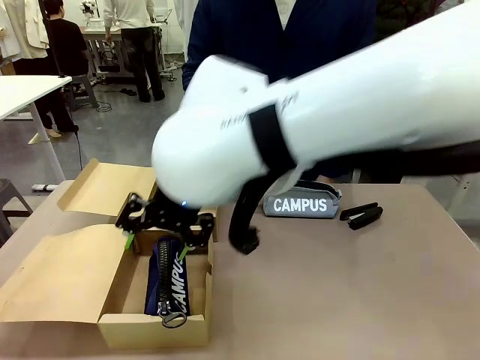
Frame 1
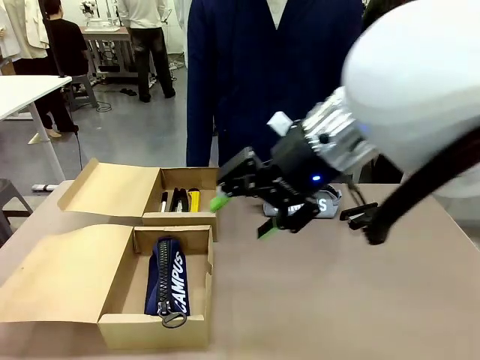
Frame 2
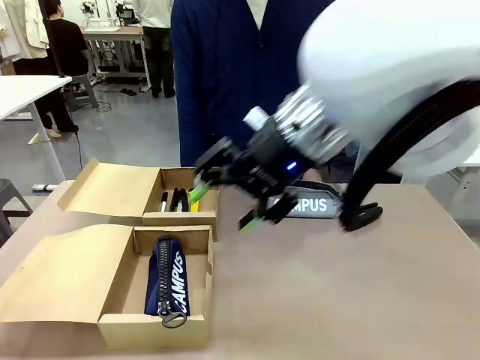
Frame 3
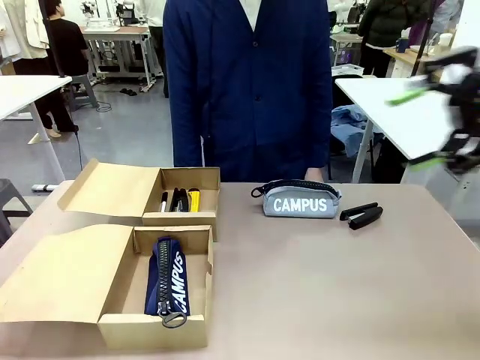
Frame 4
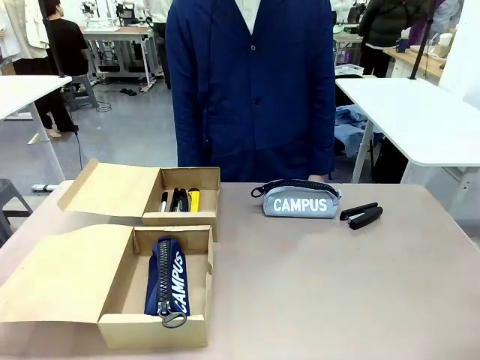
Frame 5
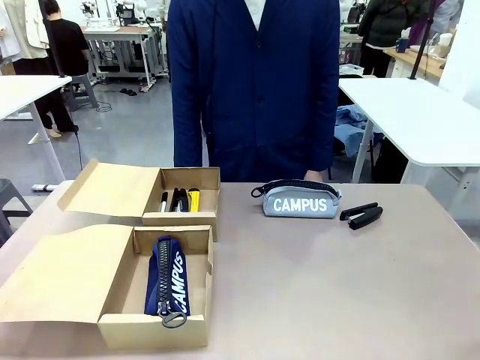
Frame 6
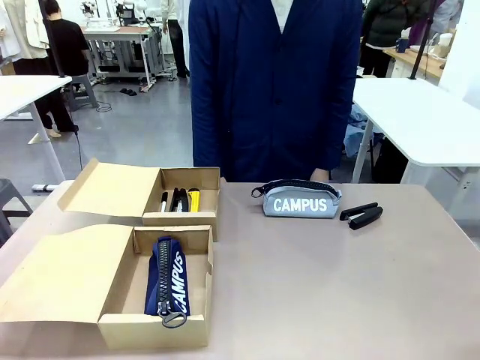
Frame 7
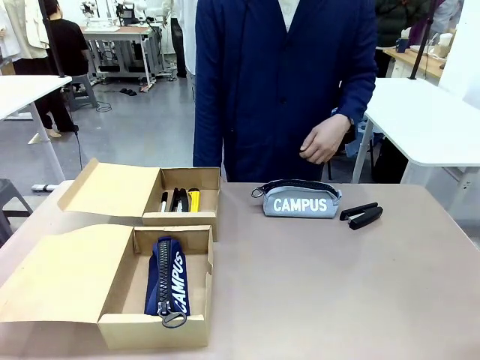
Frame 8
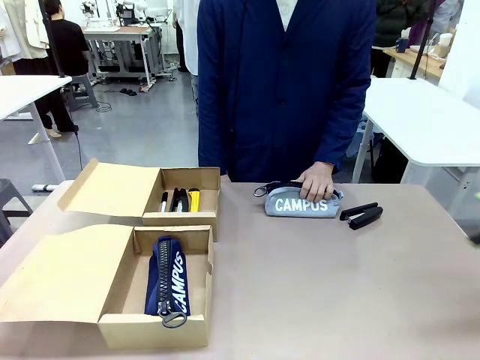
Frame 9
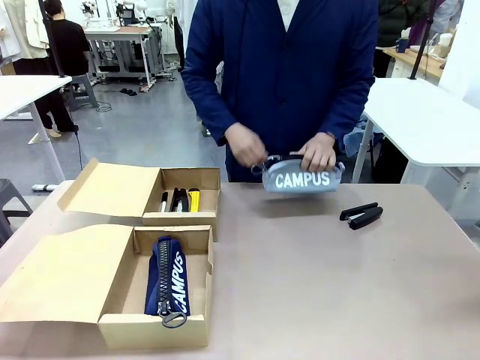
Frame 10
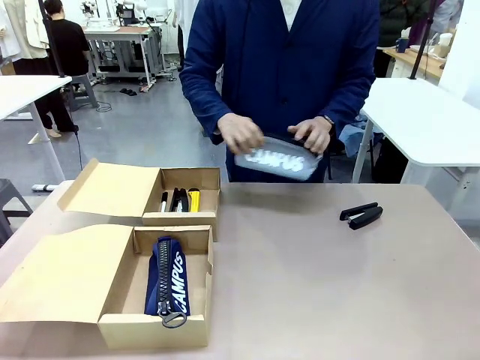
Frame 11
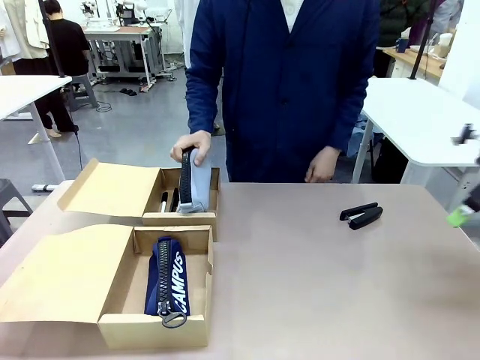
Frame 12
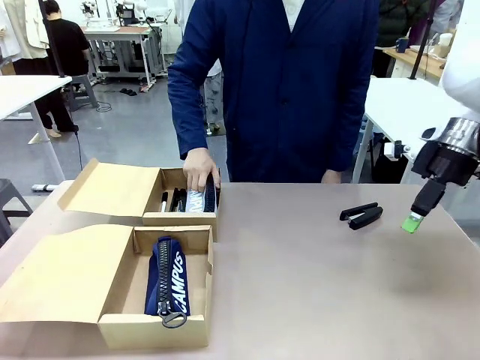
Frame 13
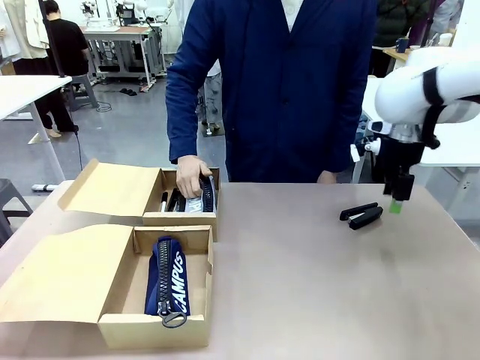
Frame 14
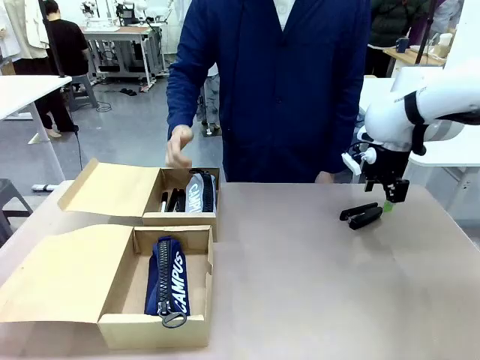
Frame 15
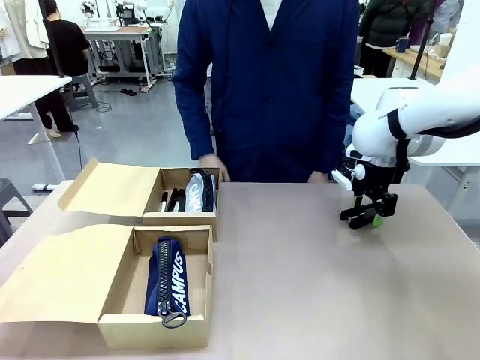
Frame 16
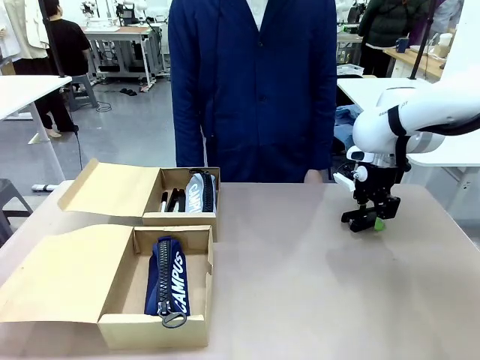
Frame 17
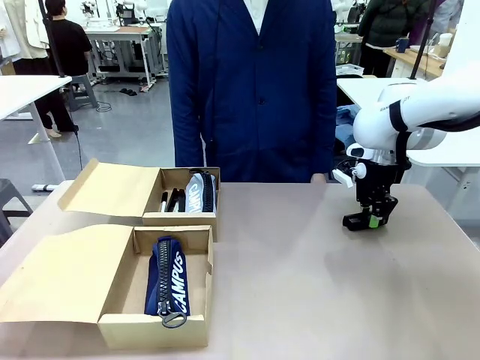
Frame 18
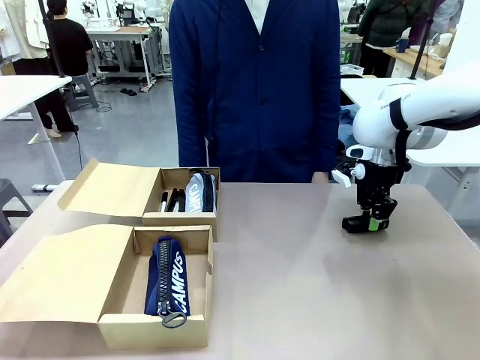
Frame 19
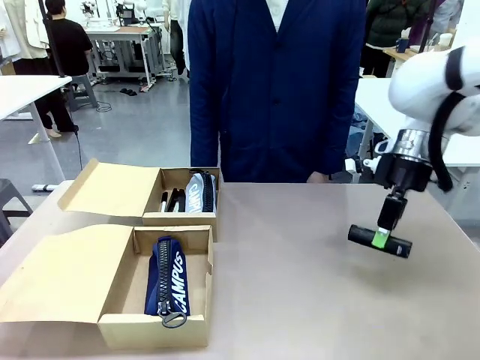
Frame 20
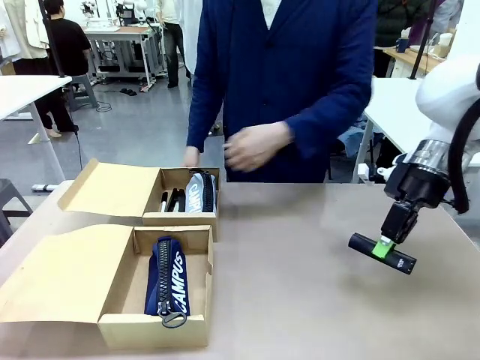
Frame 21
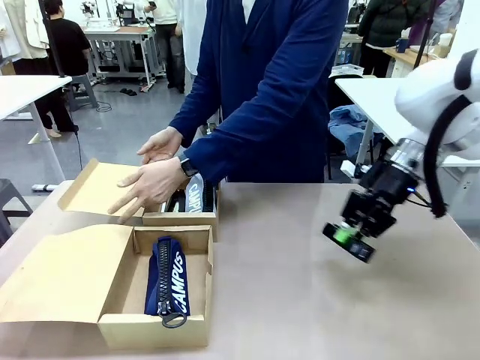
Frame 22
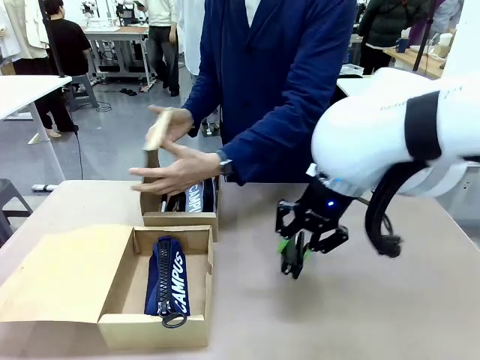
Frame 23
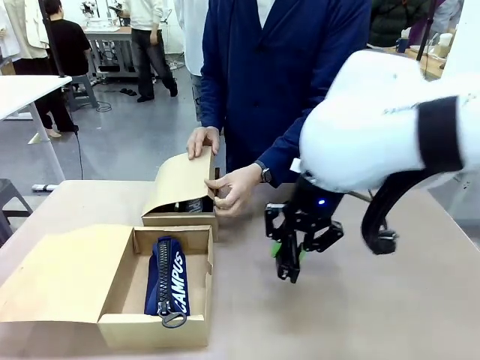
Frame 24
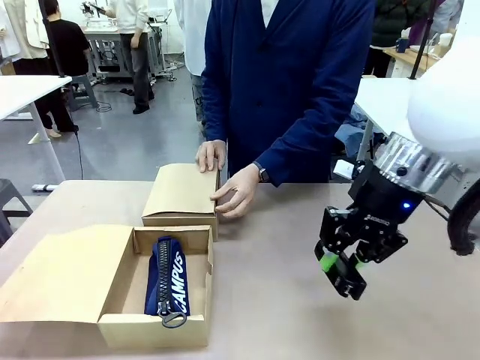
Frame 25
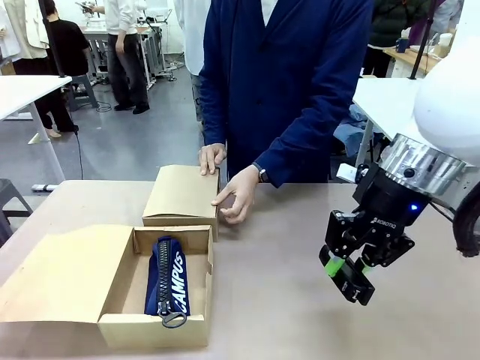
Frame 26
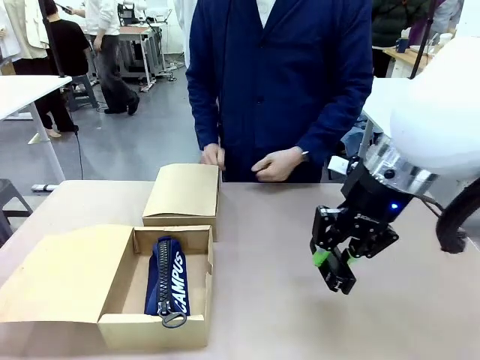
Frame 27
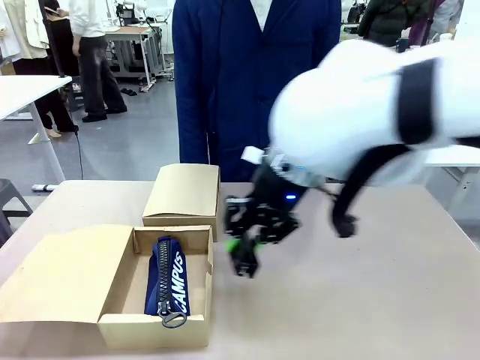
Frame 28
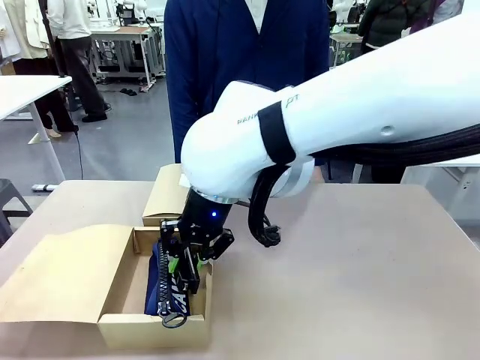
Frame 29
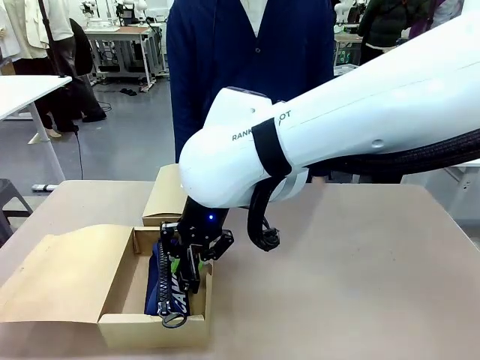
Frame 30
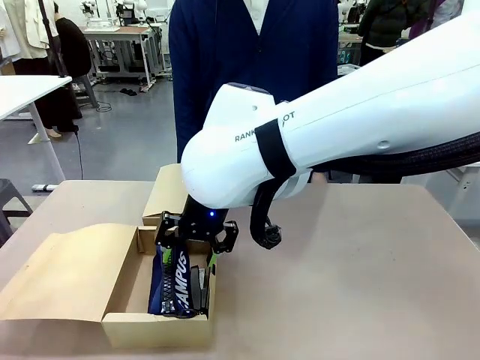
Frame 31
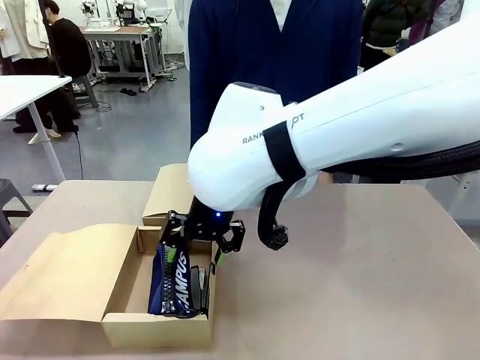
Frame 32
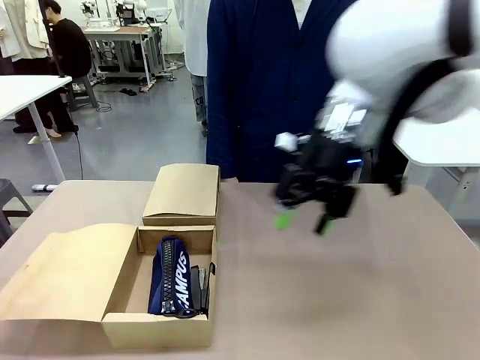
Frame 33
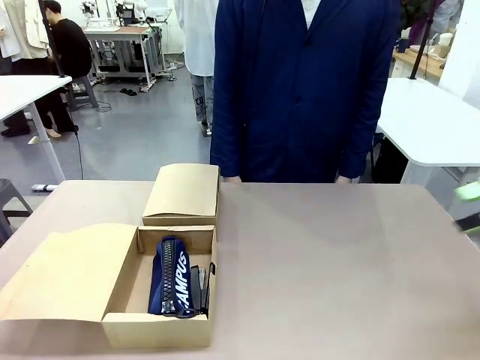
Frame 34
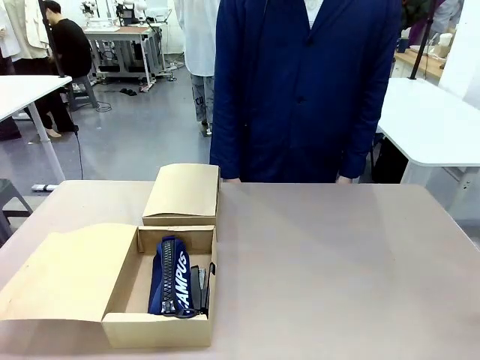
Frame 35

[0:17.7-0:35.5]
Task: Place items inside the box.
Robot: Pick up a Pencil pouch or Stapler and place it inside the Mailer Box closest to the robot.
Person: Close the lid of the box facing the person.

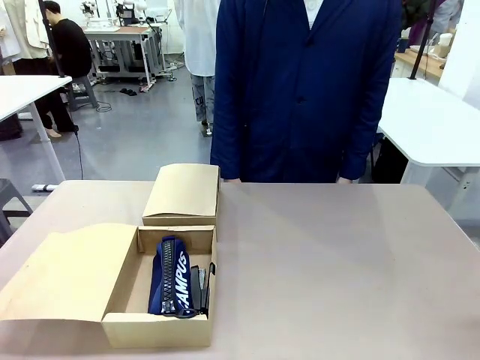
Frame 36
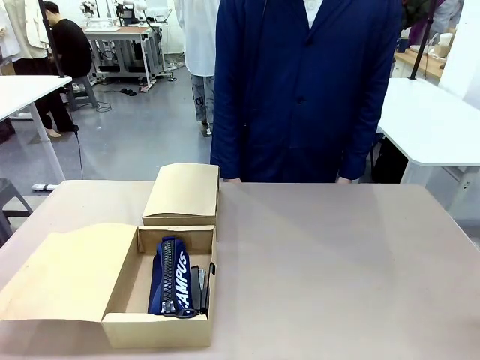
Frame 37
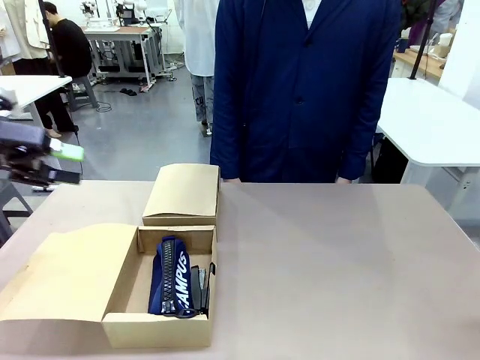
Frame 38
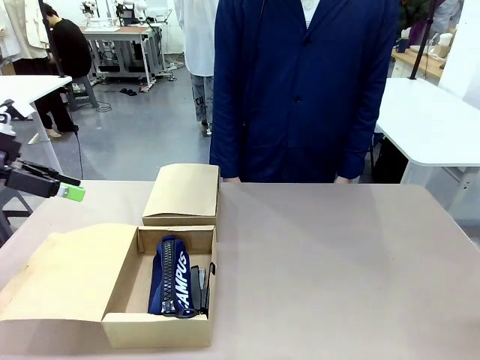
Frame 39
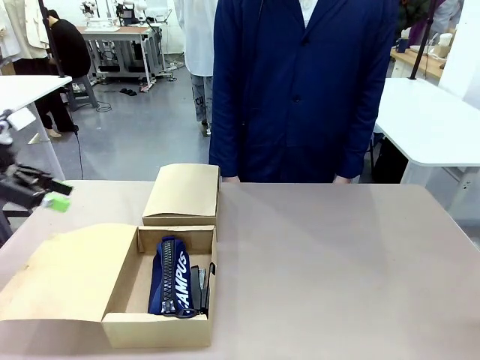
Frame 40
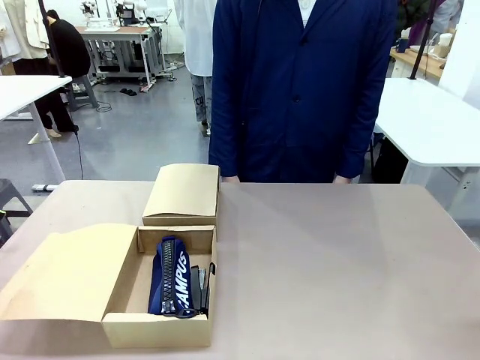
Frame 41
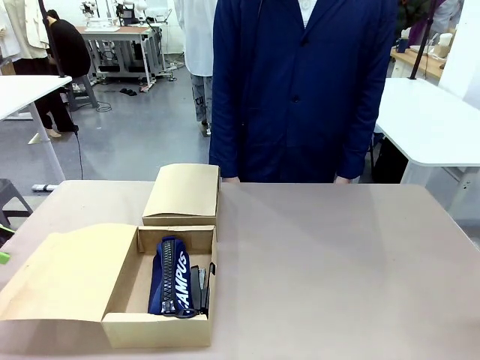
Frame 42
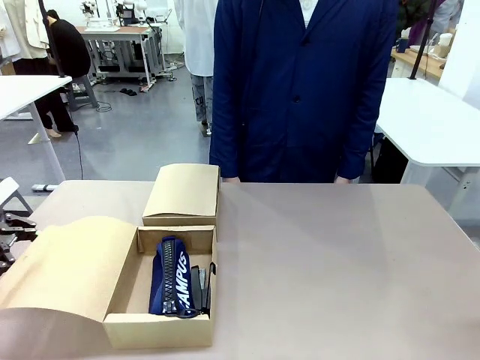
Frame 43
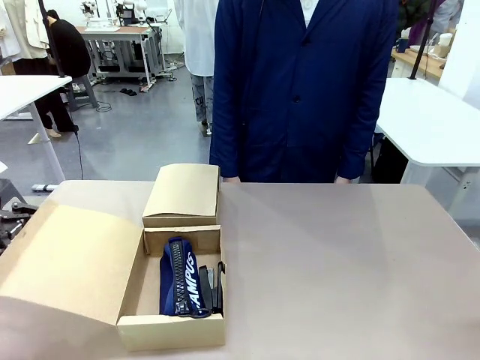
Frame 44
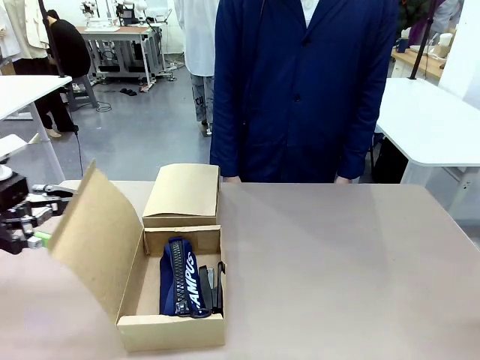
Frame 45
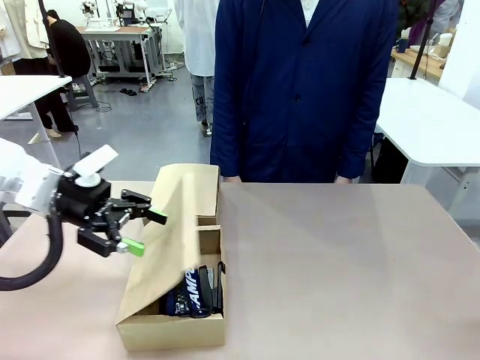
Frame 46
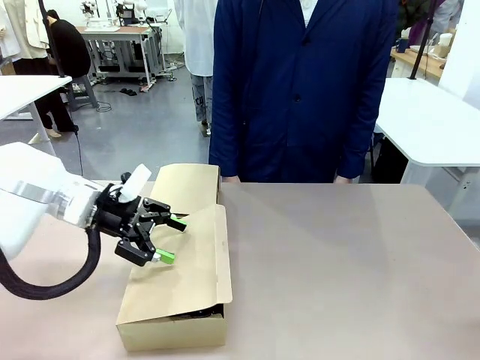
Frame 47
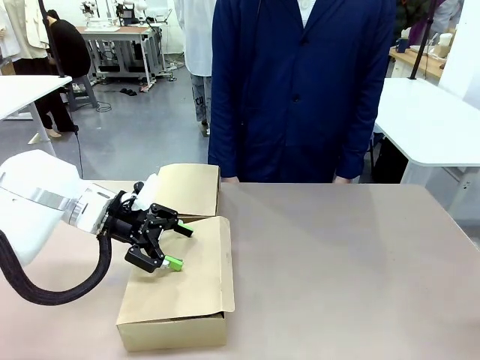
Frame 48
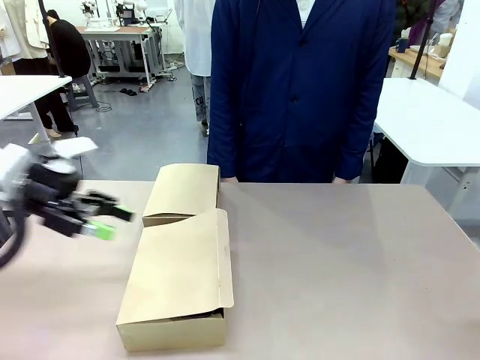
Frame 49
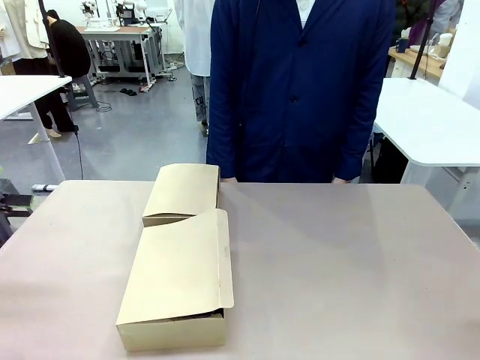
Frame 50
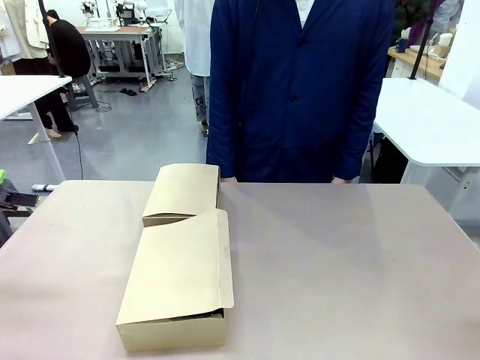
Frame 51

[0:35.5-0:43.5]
Robot: Close the lid of the Mailer Box closest to the robot.
